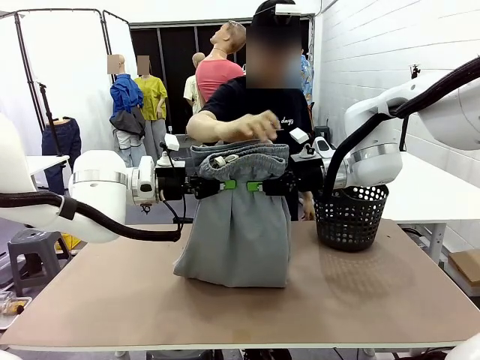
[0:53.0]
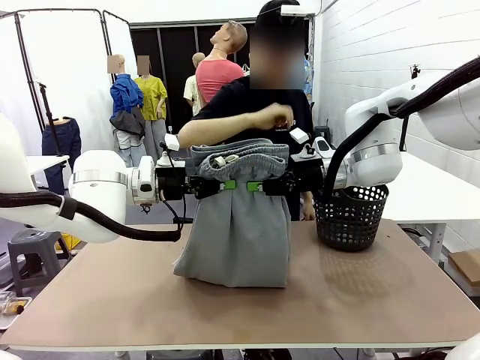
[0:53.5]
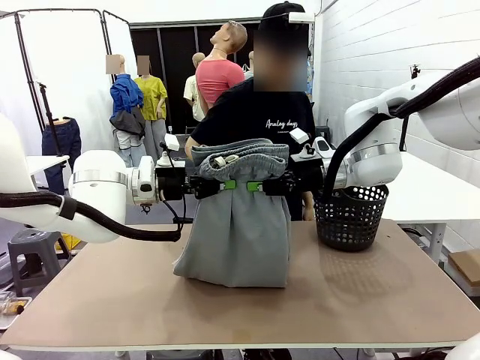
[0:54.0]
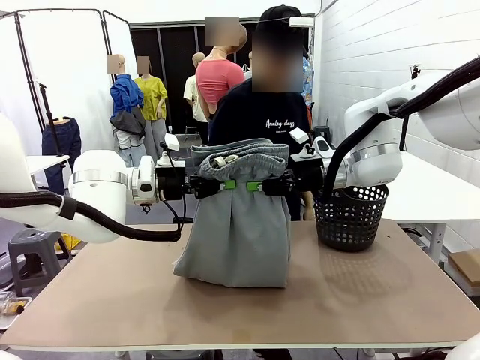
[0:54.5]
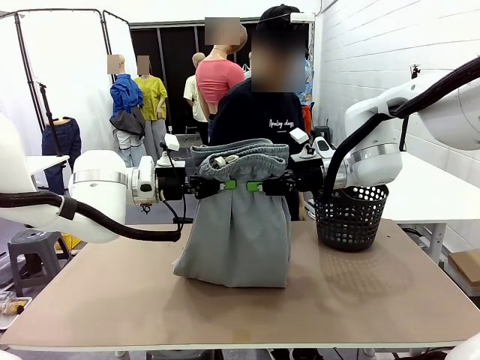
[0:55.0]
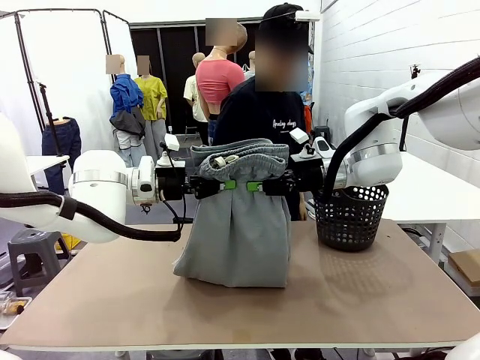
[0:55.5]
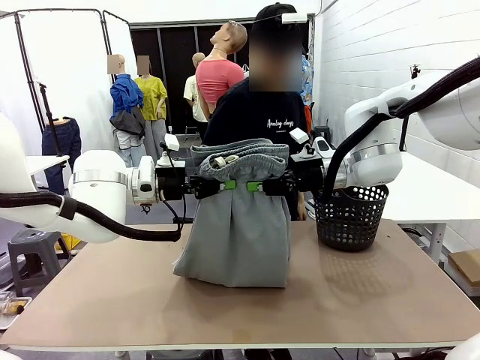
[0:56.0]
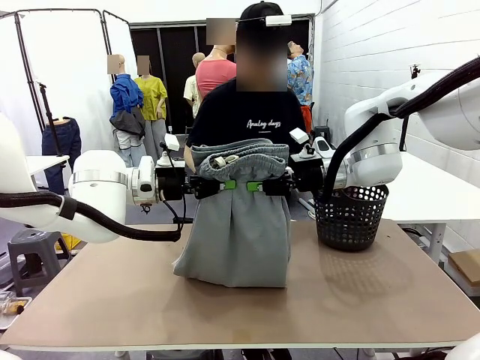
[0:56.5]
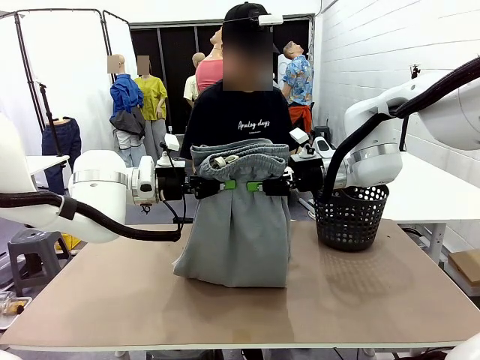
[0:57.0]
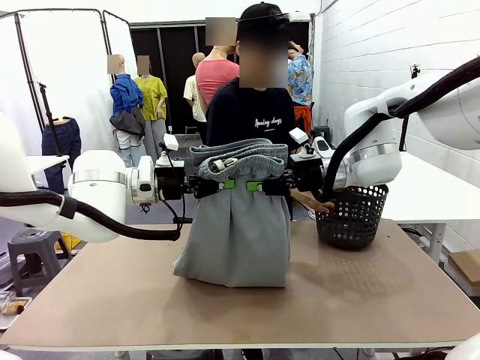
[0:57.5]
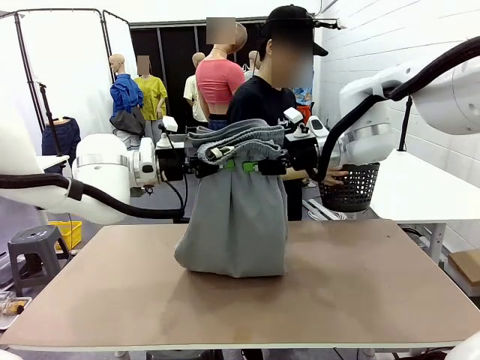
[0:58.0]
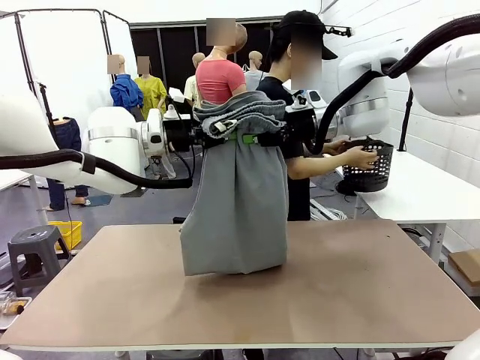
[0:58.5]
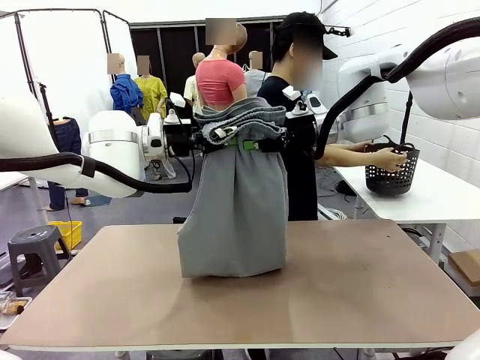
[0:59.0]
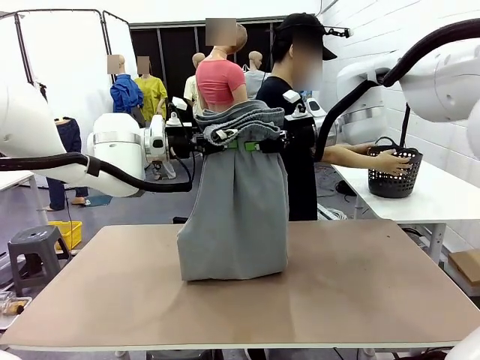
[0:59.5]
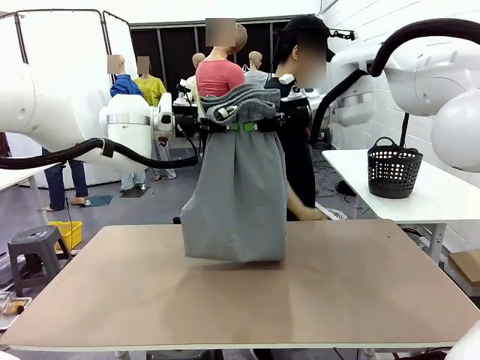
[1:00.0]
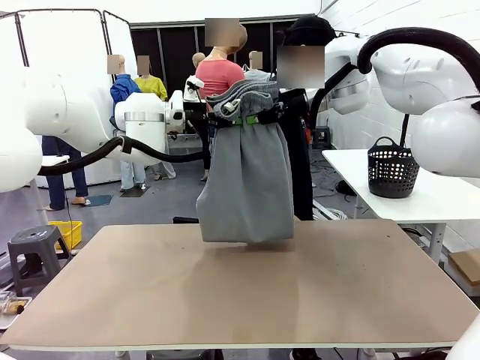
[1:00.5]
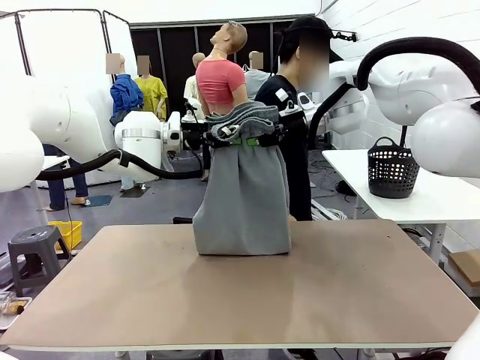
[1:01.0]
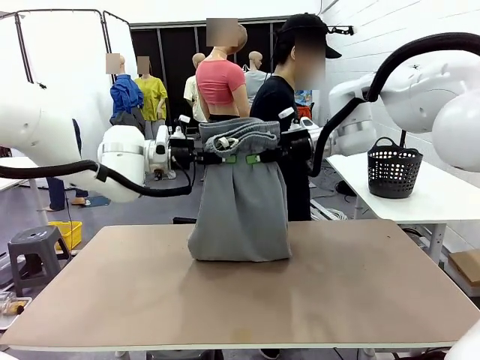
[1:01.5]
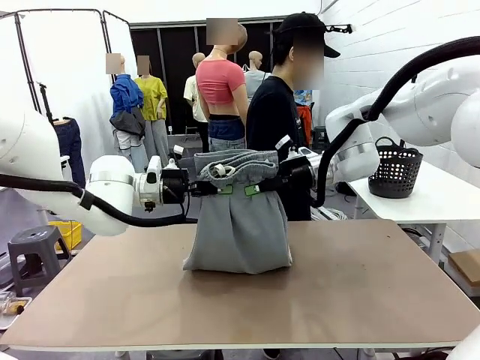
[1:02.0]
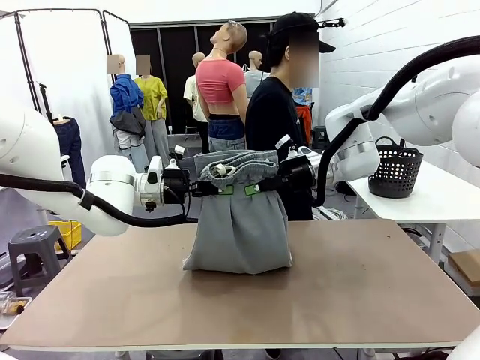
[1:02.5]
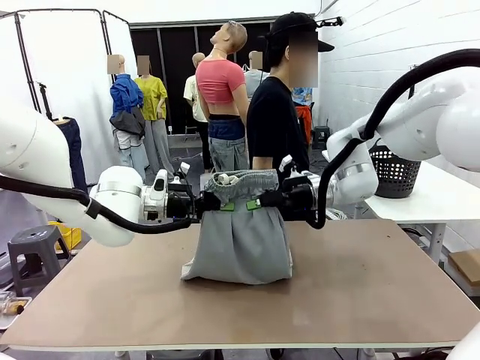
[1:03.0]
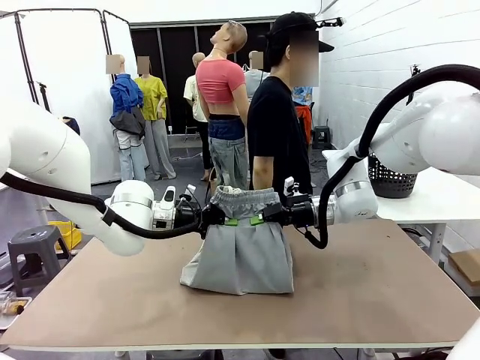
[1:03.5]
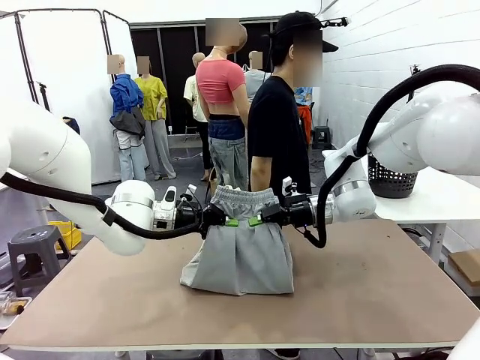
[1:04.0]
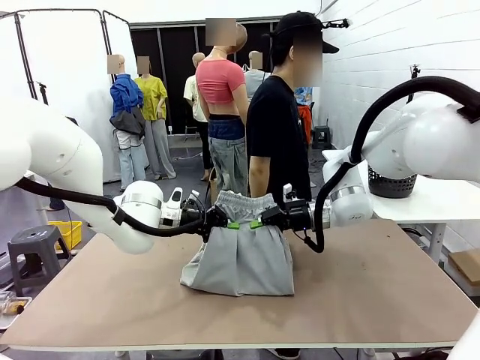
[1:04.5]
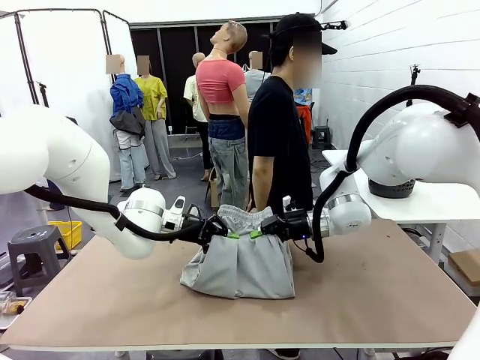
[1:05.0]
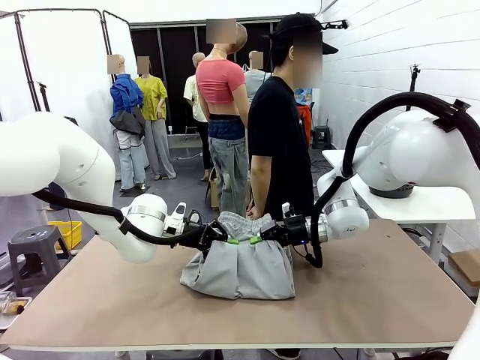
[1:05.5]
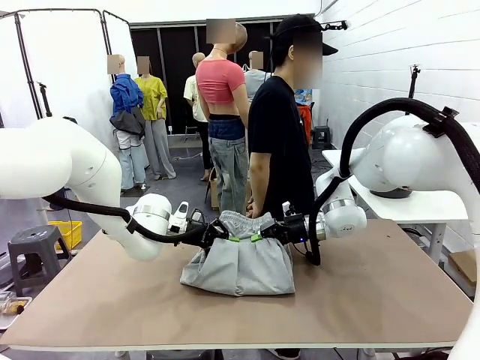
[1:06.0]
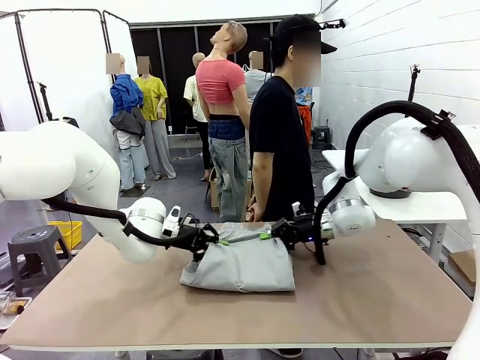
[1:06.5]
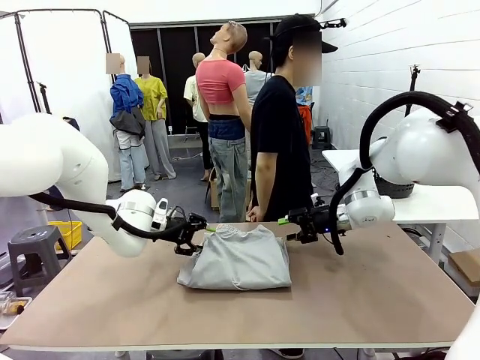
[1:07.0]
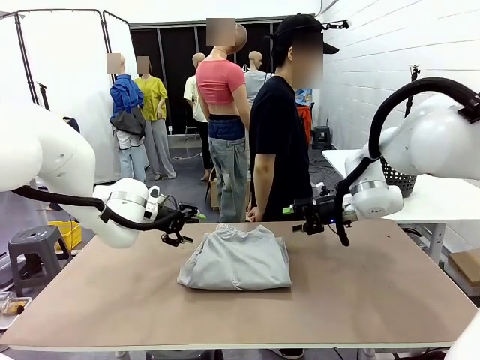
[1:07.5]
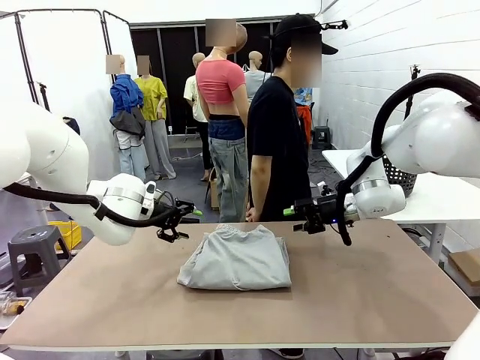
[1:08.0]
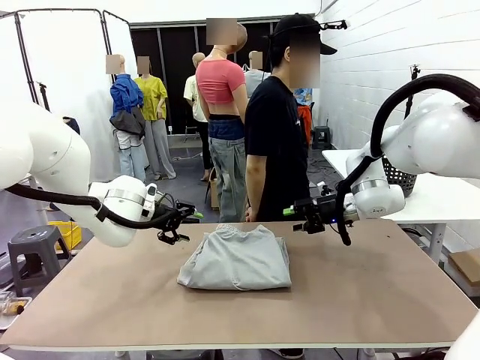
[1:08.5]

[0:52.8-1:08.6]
Task: Fold the training pants.
Robot: Fold the Training pants in half.
Person: Move the laundry basket to the right of the human table.
